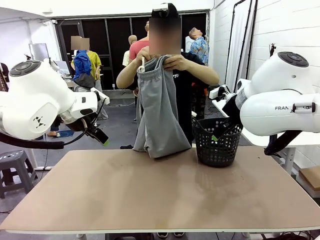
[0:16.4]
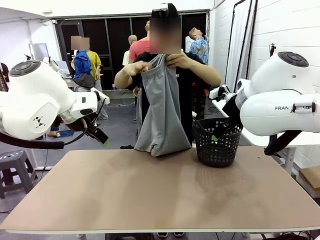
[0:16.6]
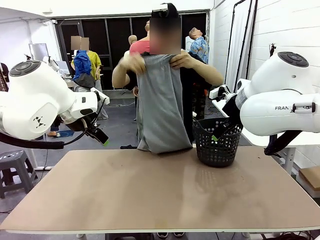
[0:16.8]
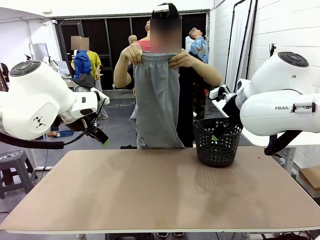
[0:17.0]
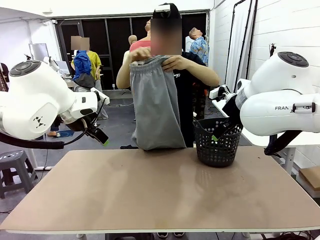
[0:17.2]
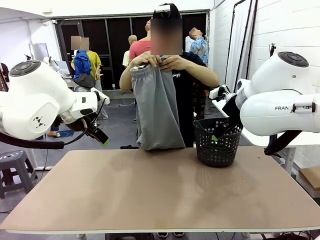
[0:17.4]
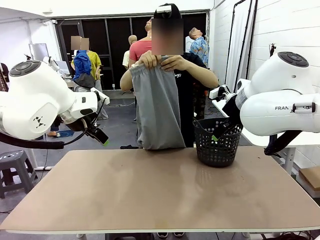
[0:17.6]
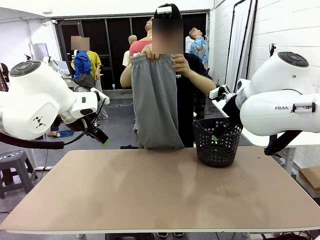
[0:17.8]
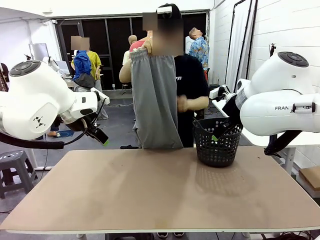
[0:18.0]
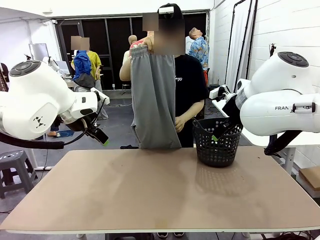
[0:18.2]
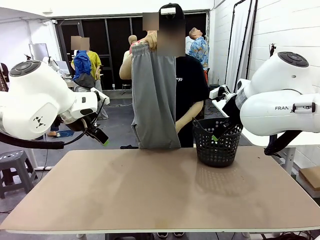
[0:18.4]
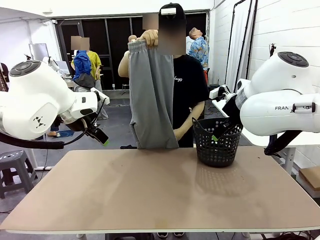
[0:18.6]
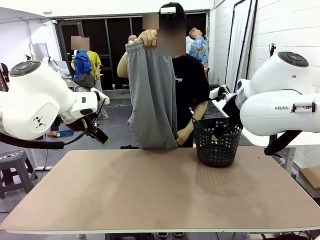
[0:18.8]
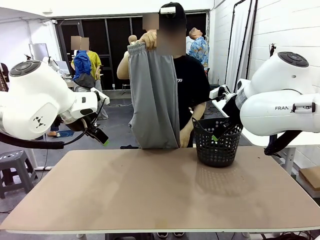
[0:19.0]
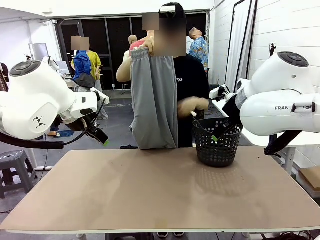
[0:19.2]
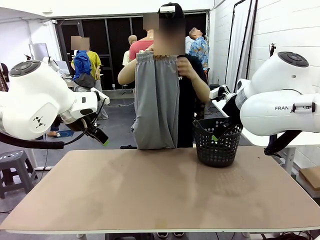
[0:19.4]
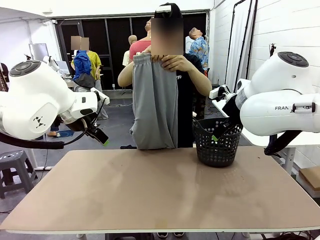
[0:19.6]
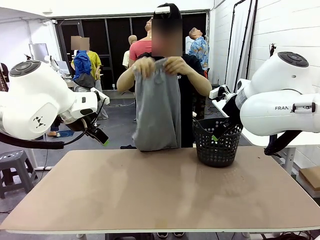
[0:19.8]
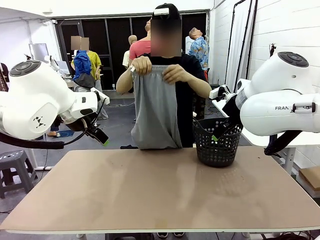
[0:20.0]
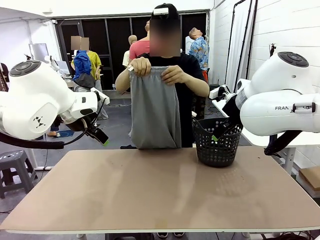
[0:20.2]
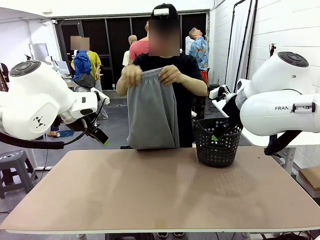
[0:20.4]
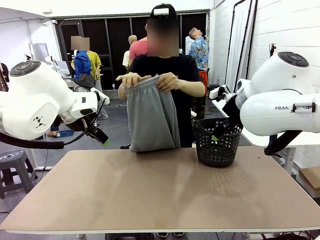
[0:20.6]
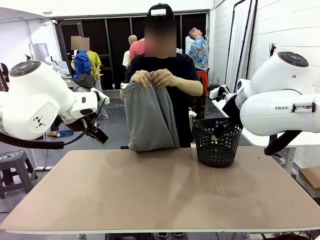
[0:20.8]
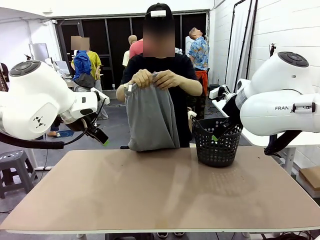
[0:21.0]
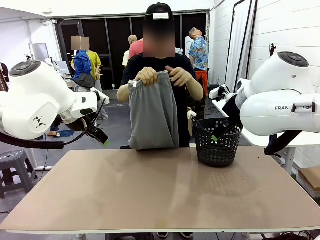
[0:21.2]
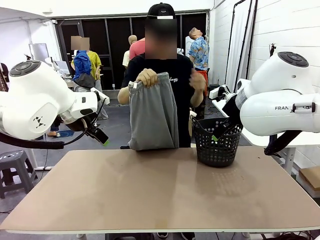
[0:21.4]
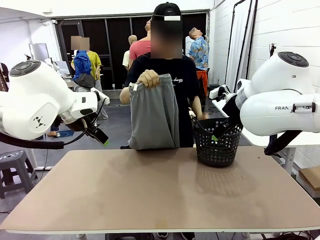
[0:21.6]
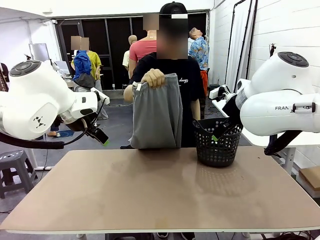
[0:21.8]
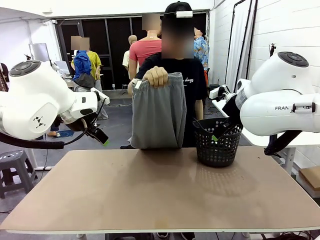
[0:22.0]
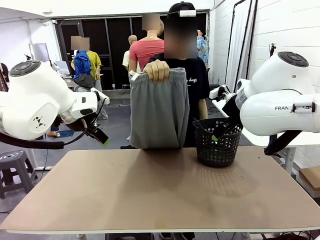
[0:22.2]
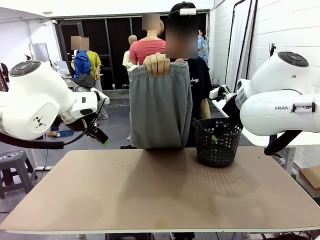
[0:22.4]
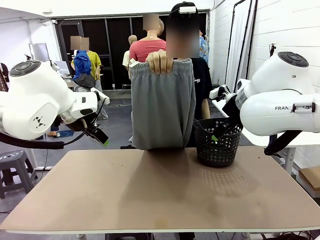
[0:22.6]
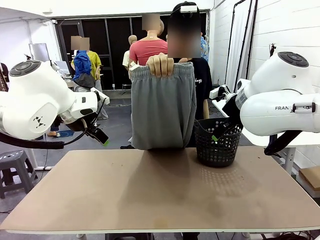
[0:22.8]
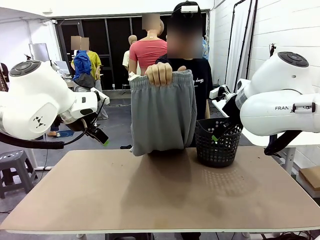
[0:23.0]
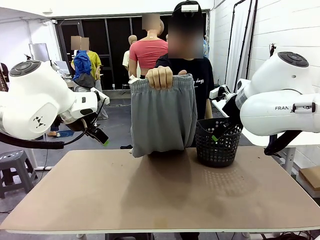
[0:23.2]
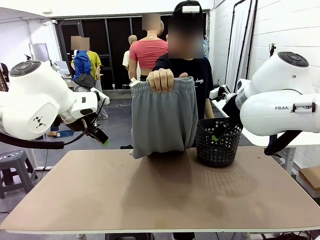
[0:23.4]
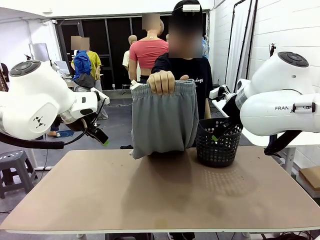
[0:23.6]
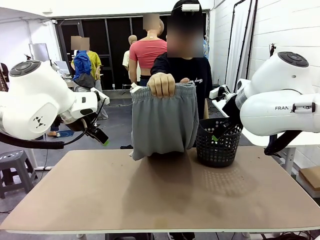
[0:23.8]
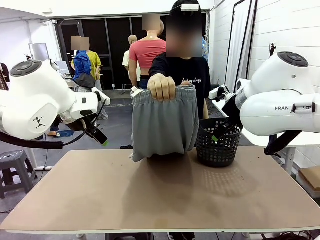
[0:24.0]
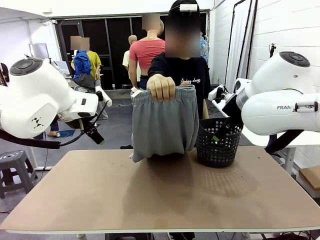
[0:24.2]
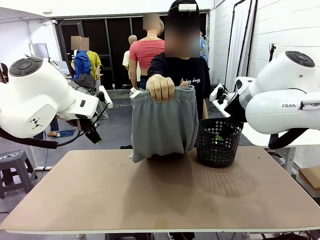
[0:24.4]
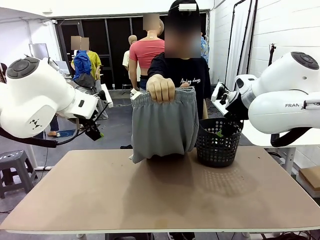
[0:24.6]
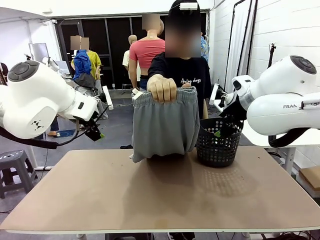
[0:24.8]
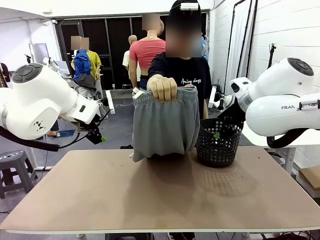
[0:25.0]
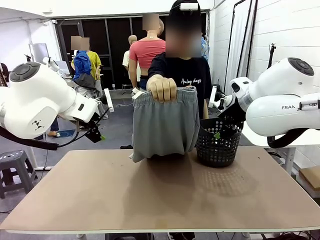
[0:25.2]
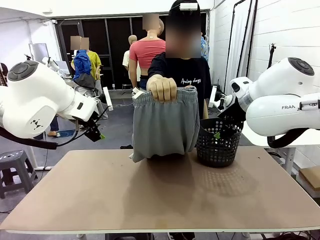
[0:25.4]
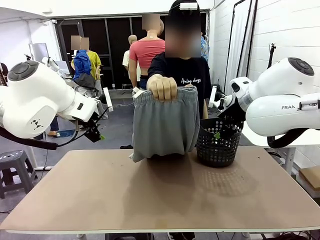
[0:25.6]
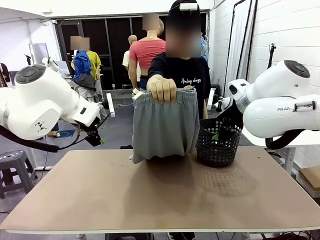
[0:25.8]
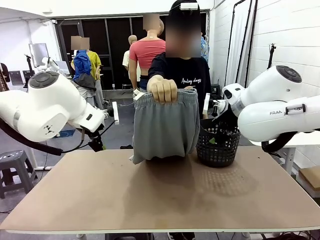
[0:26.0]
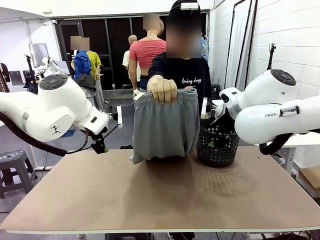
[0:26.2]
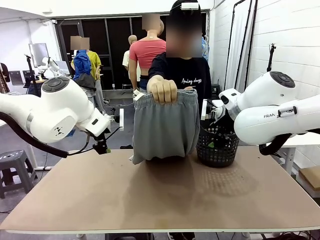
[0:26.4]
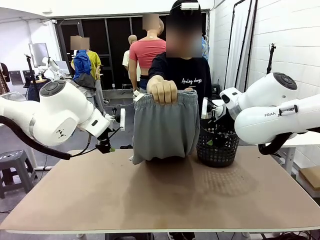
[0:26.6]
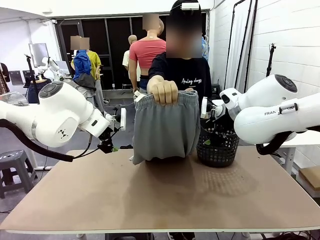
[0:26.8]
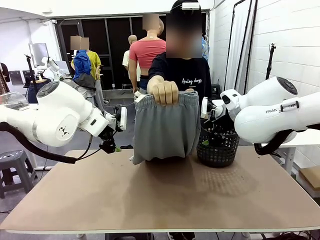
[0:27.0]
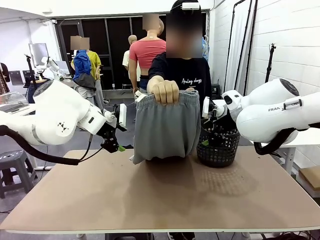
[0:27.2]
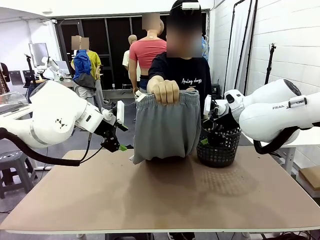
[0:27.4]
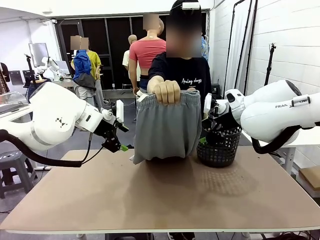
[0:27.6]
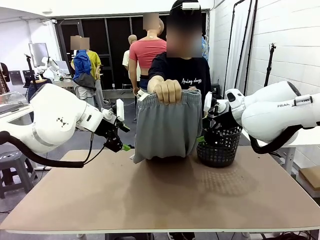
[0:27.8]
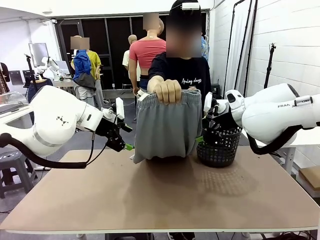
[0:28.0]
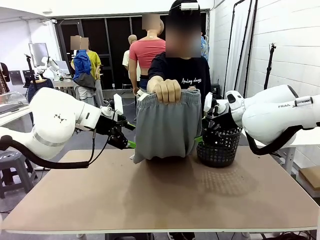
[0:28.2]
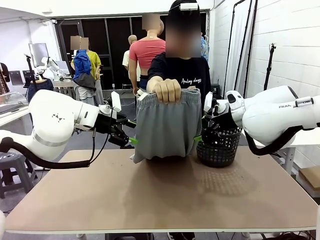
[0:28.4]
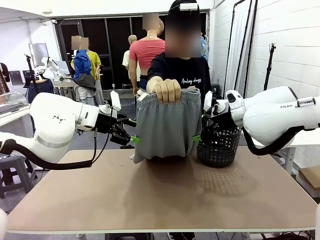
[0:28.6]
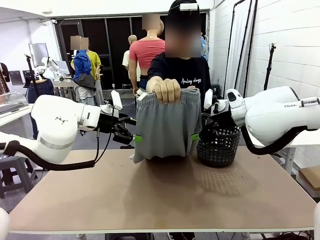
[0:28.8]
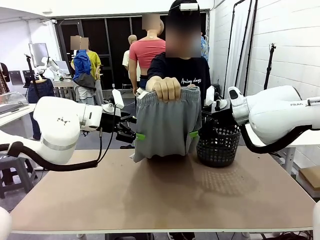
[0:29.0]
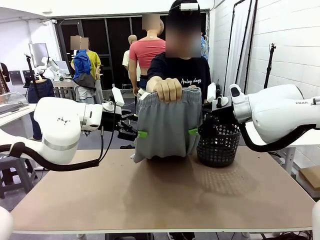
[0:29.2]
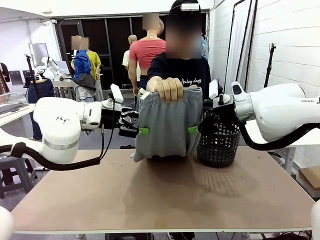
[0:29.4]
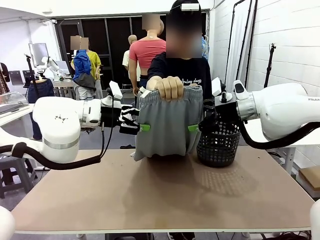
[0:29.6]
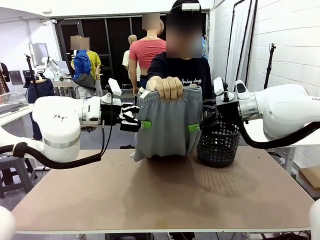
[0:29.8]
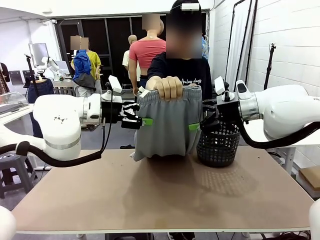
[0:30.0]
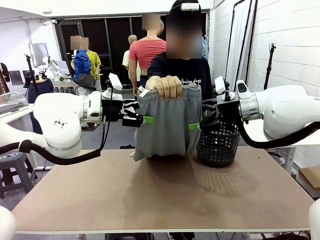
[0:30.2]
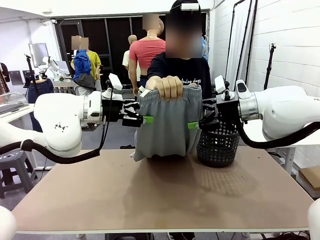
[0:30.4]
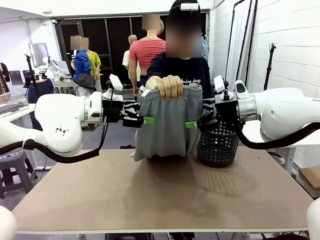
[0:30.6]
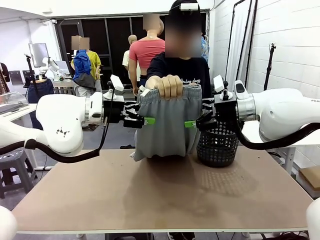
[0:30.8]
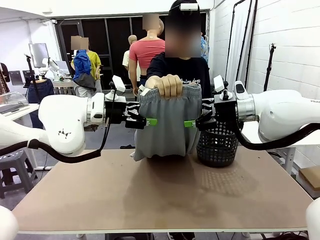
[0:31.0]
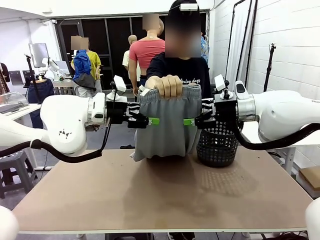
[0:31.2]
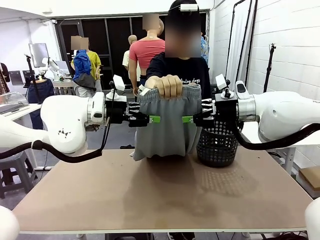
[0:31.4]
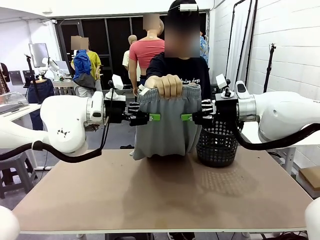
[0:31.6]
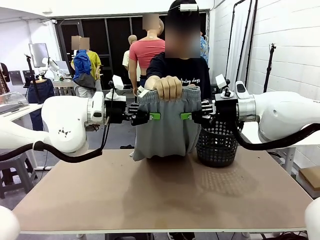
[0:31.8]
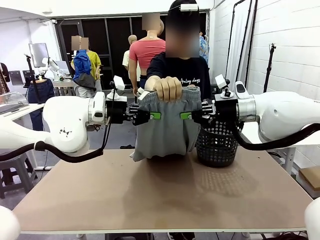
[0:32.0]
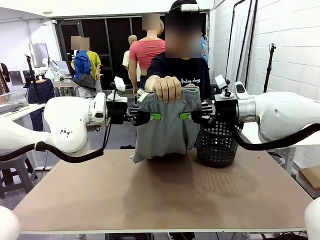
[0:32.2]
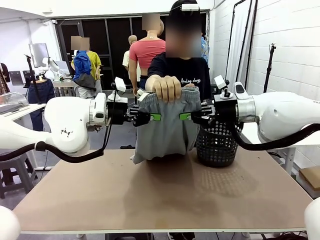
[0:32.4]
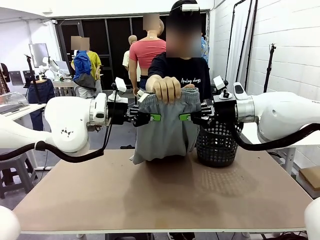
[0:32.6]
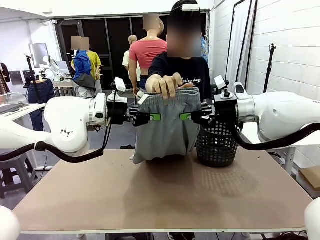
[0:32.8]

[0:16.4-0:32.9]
Task: Fold the training pants.
Robot: Grab both ends of the Training pants handed by a person.
